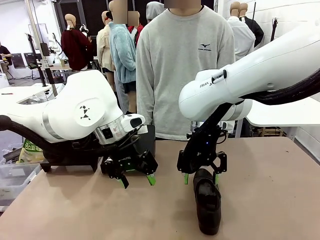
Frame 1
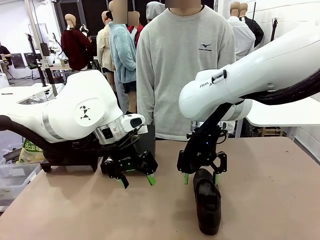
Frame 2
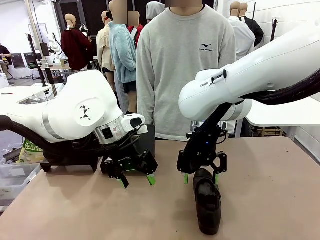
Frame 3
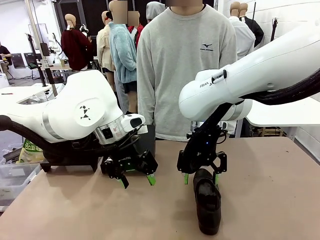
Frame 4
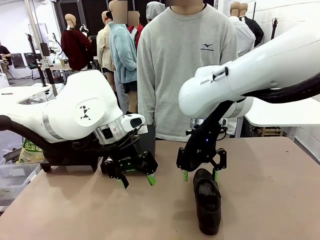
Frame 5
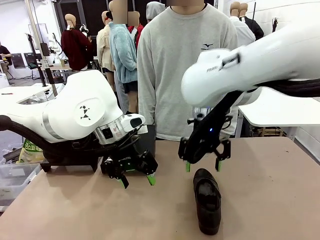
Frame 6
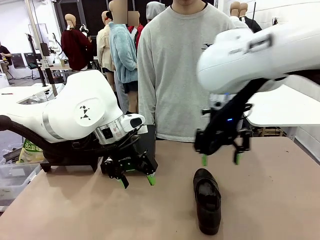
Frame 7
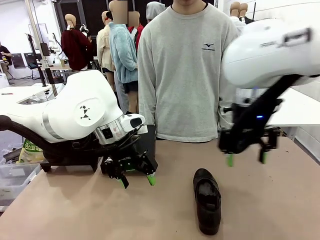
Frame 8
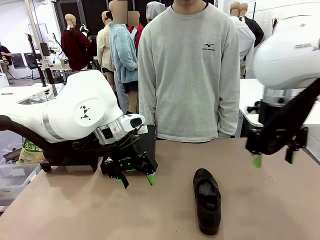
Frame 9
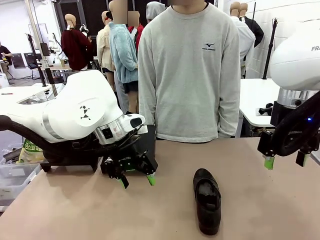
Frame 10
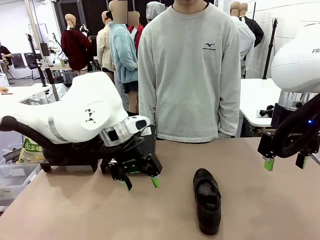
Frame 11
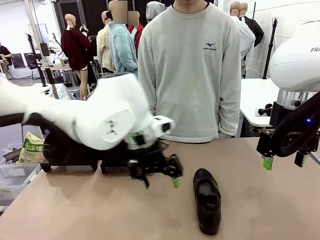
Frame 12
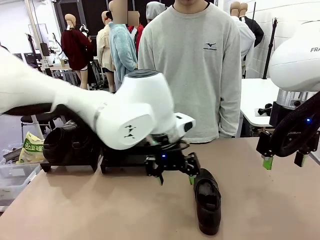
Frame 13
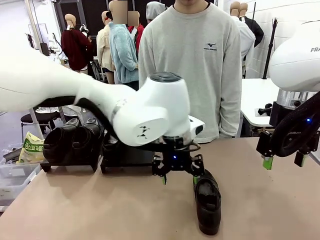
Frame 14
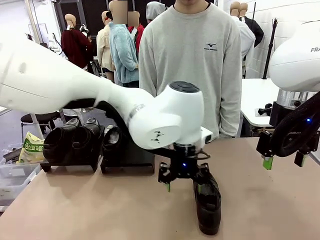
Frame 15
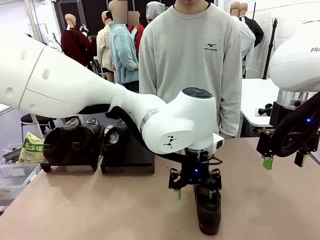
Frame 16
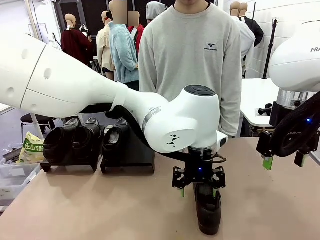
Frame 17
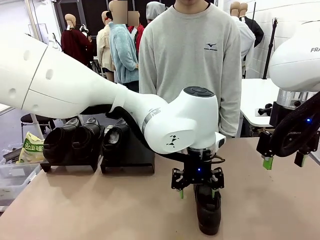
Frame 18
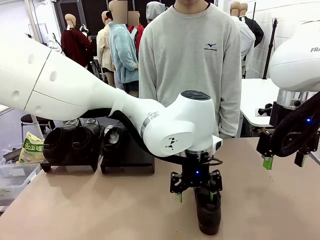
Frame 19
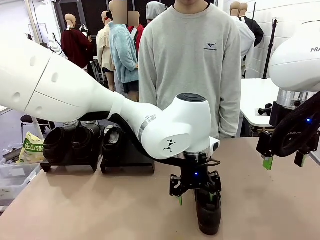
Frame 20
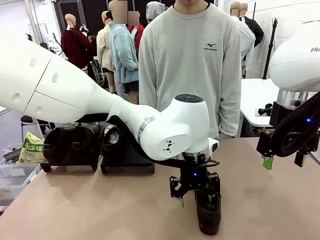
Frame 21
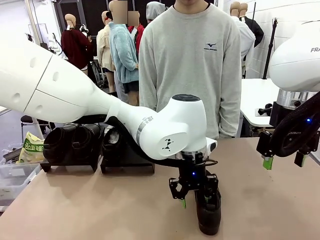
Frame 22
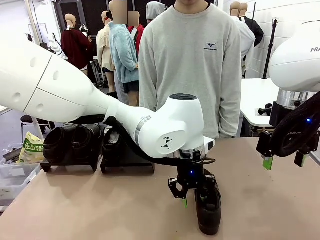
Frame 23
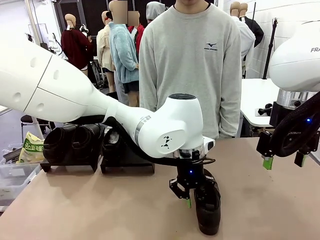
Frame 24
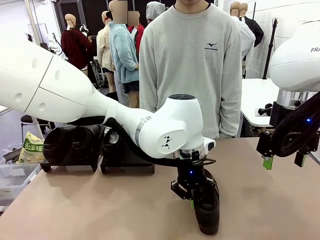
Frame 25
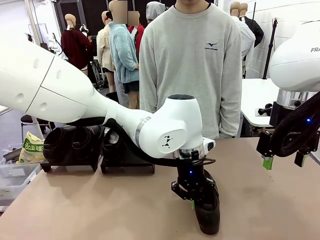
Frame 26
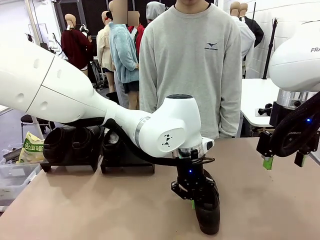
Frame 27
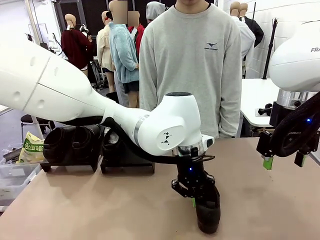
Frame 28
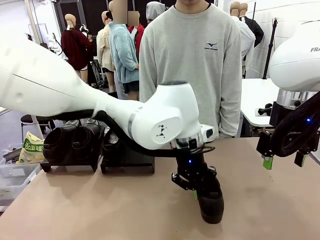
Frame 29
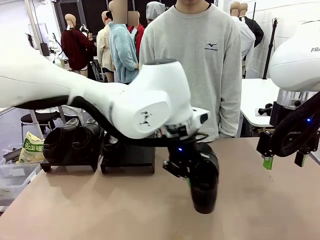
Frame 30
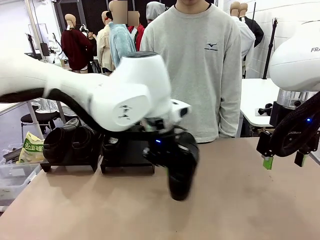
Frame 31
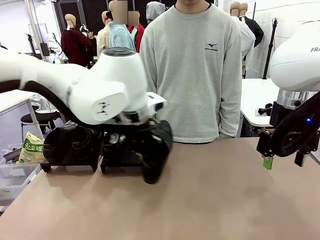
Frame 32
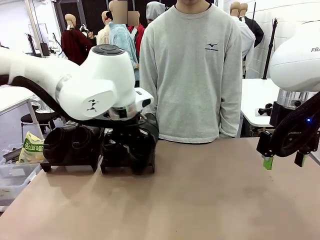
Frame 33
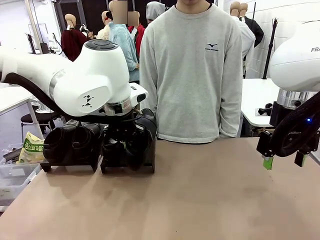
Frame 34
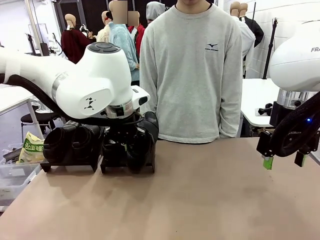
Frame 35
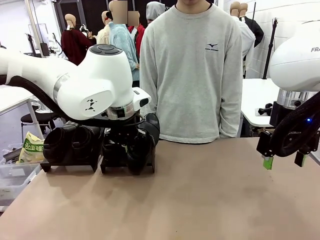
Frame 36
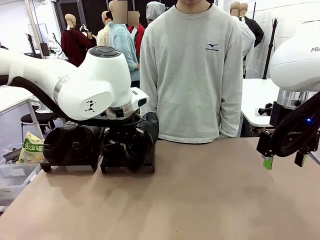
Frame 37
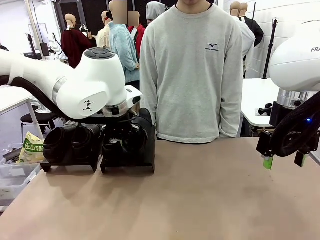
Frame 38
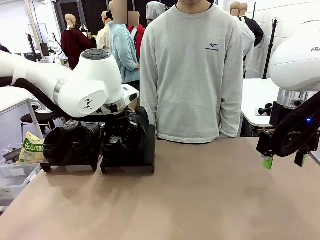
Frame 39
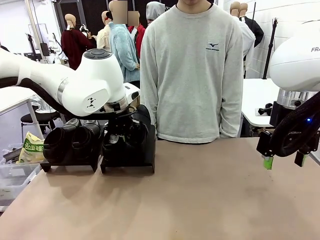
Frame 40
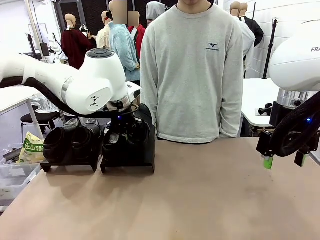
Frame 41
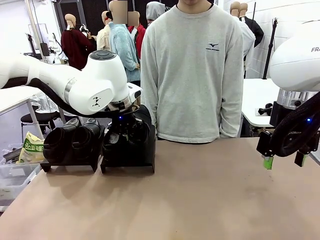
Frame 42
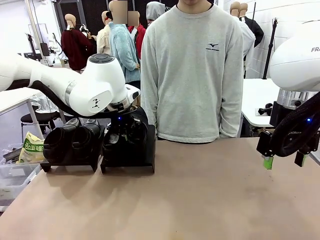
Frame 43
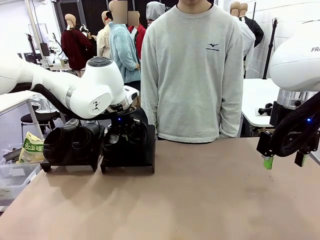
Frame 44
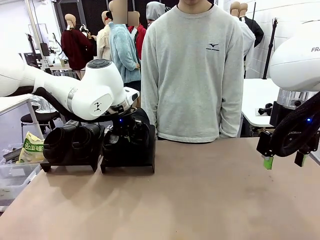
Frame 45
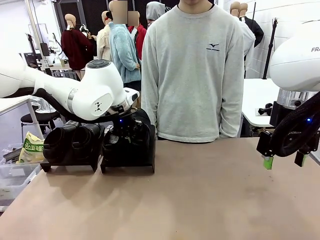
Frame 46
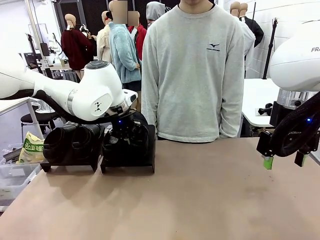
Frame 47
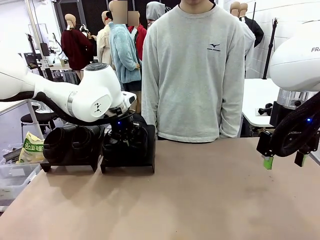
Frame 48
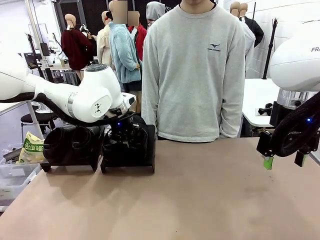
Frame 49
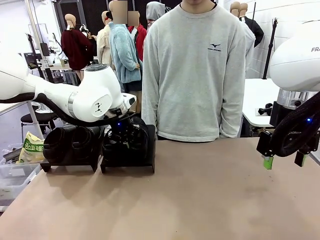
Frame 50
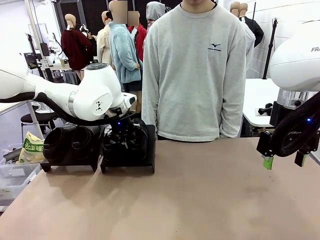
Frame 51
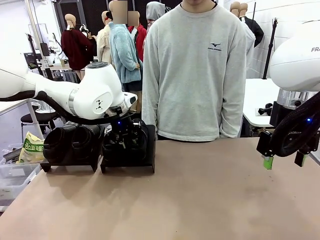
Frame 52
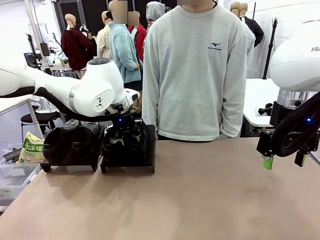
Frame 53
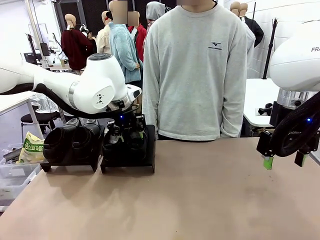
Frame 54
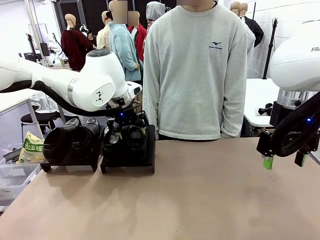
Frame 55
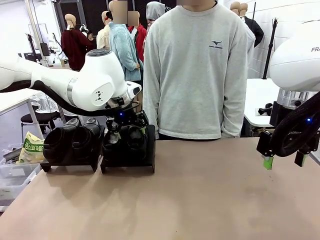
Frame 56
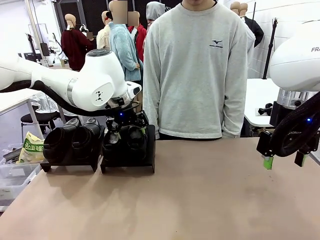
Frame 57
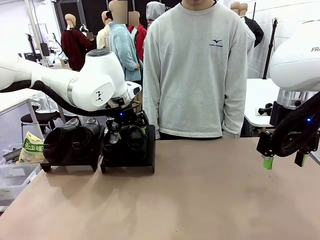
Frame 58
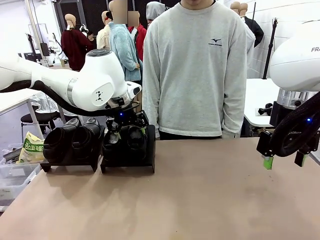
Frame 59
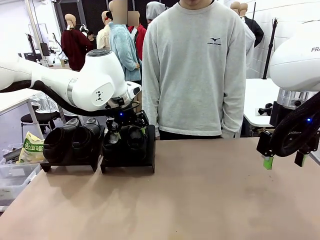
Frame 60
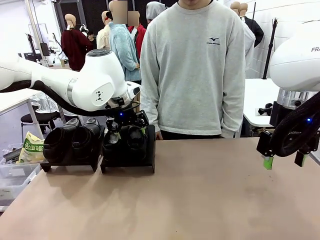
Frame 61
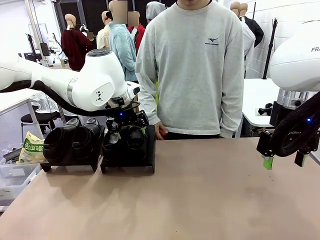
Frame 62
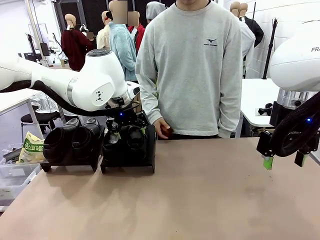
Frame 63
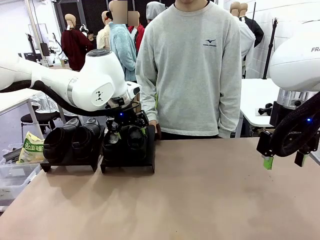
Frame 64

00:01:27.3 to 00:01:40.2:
Task: Organize the shoes by placing them on the stand.
Robot: Place the Shoe from the middle of the table onto the Shoes Stand.

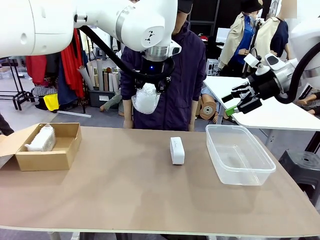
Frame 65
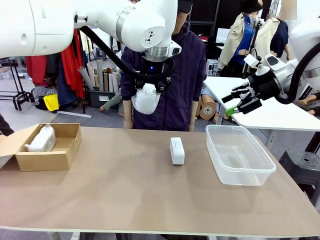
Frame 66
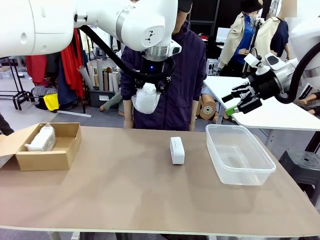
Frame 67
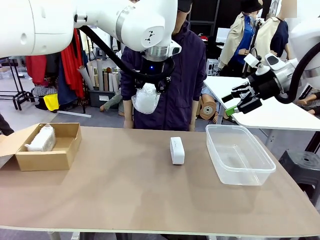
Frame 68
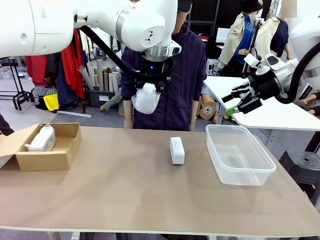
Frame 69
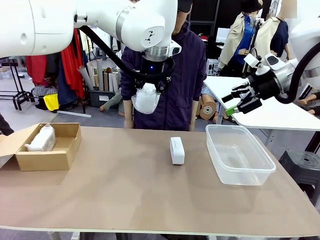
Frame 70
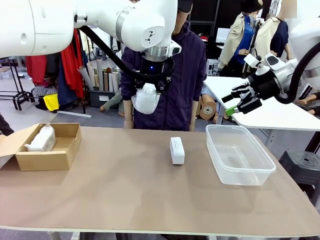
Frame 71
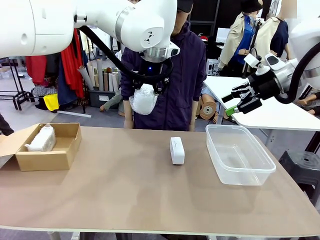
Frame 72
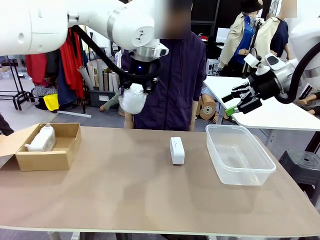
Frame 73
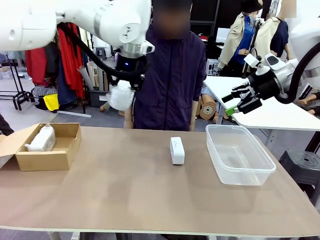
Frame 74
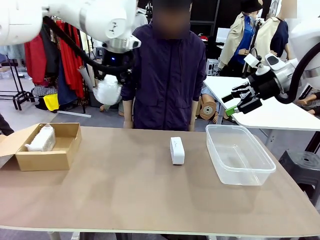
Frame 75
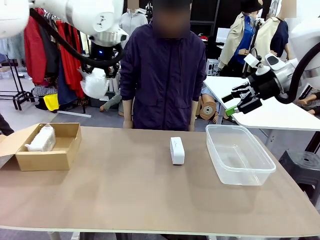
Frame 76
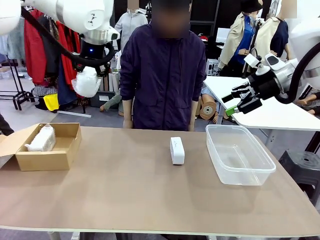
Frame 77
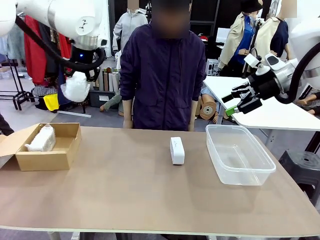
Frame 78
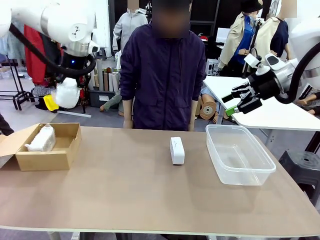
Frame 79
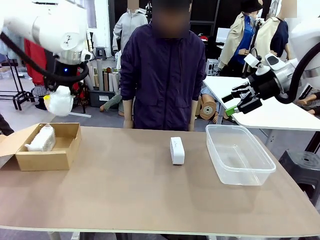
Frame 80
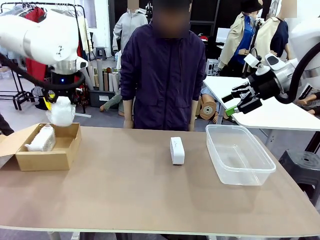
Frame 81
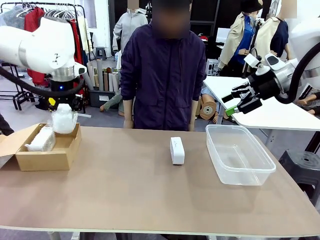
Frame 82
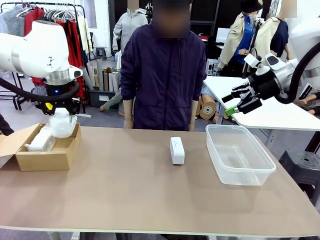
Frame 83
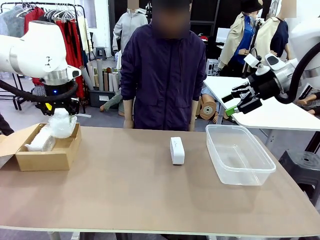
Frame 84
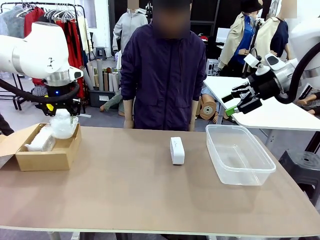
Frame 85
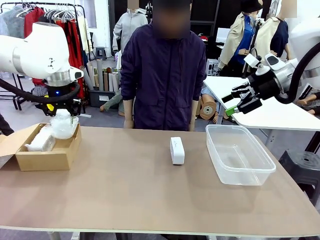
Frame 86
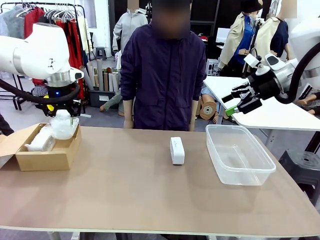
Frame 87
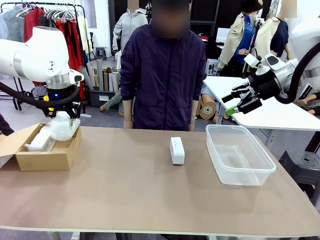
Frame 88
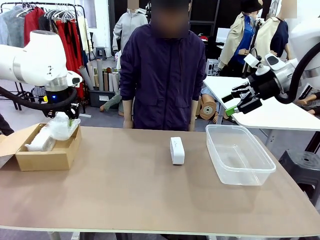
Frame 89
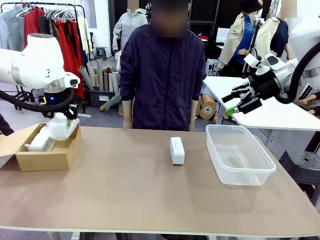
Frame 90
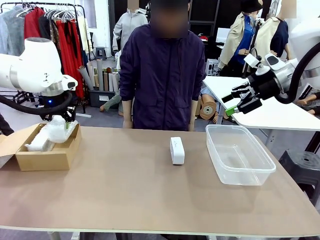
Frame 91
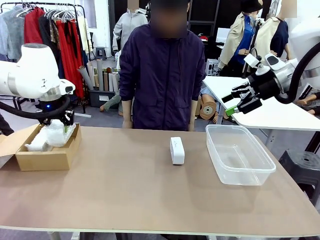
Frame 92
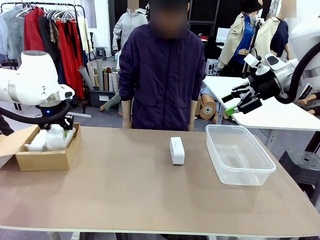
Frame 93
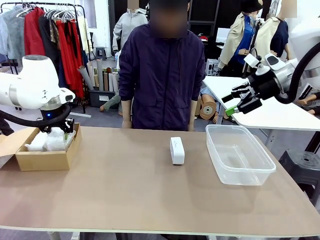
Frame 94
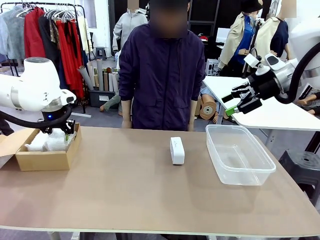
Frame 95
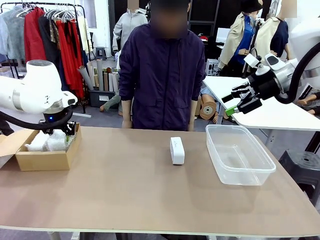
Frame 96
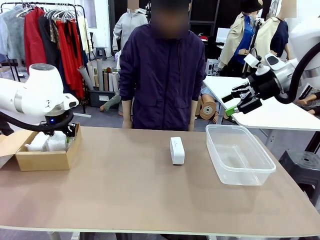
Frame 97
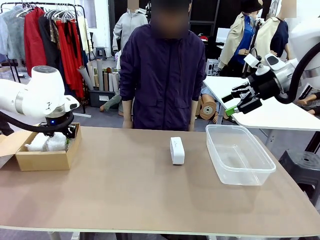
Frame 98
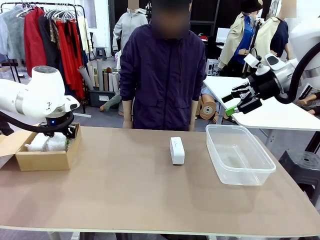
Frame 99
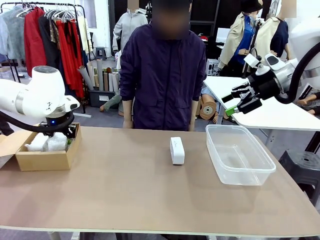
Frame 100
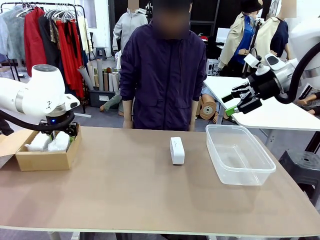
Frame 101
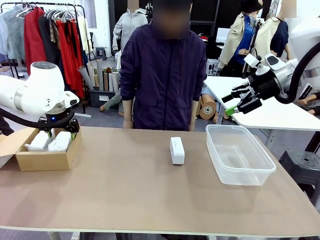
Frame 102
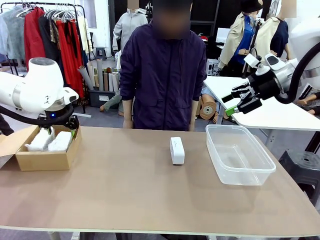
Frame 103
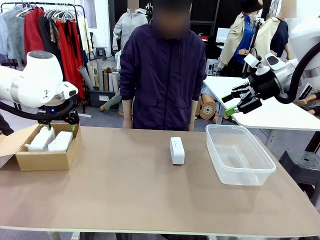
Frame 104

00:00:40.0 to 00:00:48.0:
Task: Separate and place wrapped and unwrapped clocks.
Robot: If the picked Digital clock is wrapped, place it in the Package Box ; if not, place it in the Organizing box.
